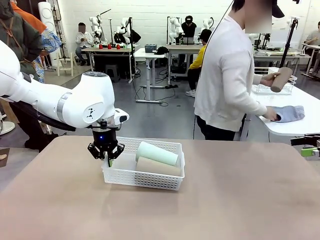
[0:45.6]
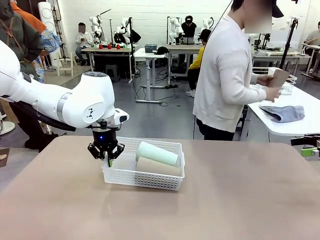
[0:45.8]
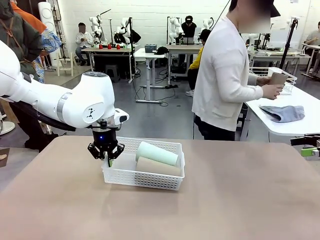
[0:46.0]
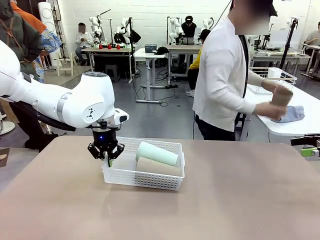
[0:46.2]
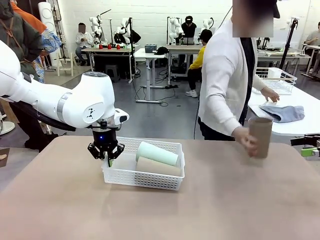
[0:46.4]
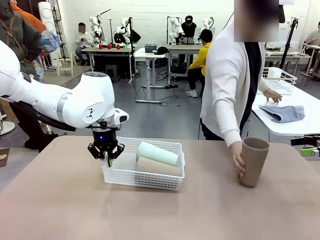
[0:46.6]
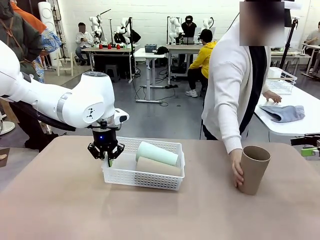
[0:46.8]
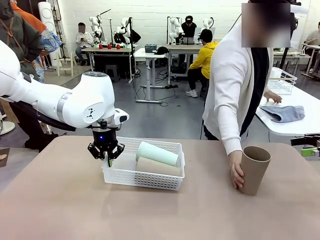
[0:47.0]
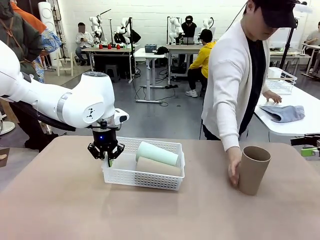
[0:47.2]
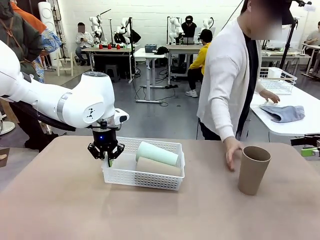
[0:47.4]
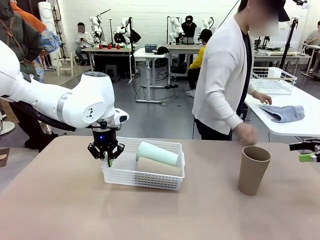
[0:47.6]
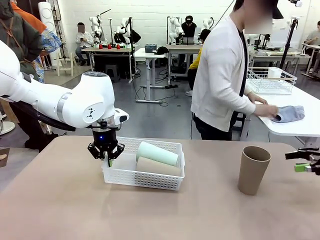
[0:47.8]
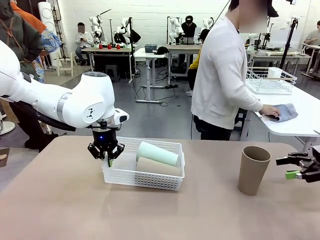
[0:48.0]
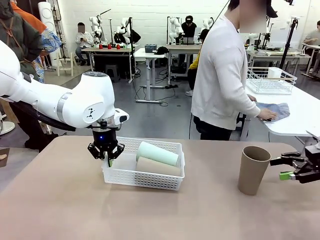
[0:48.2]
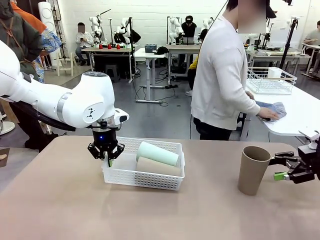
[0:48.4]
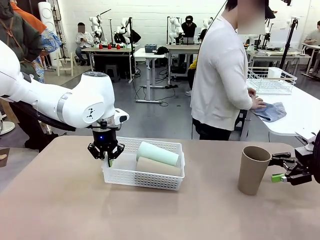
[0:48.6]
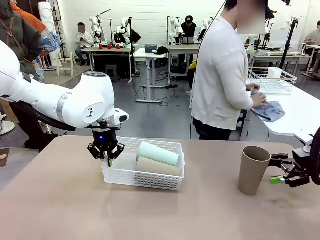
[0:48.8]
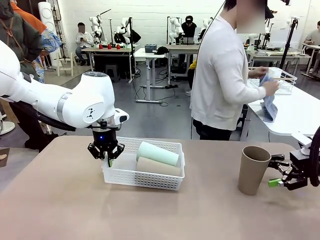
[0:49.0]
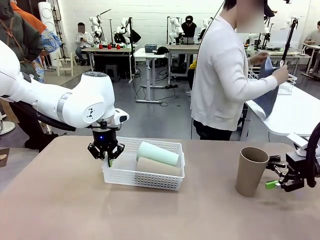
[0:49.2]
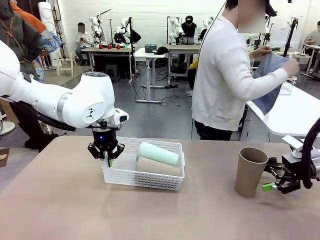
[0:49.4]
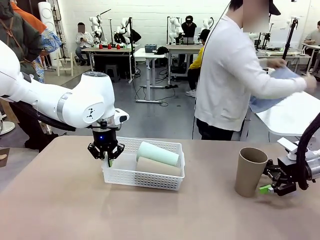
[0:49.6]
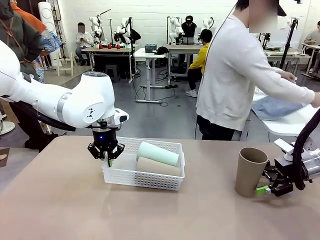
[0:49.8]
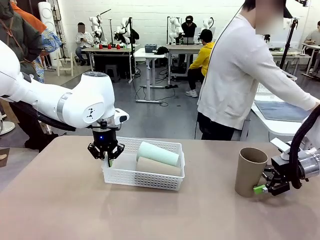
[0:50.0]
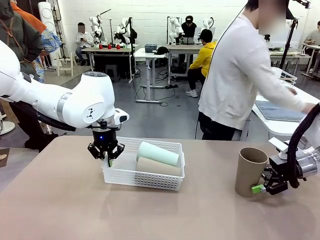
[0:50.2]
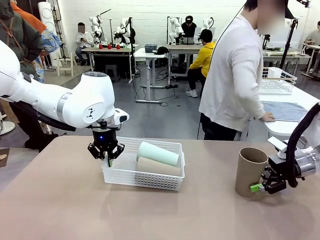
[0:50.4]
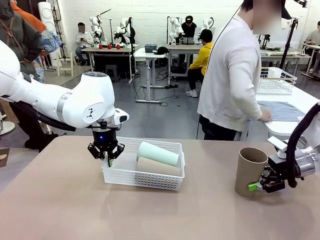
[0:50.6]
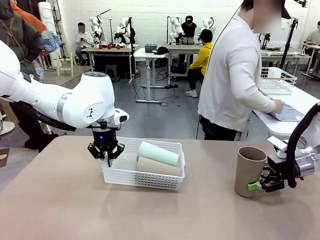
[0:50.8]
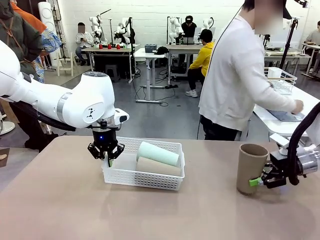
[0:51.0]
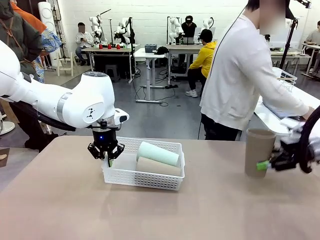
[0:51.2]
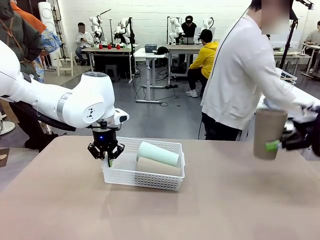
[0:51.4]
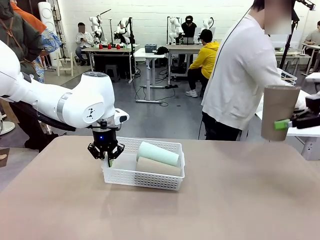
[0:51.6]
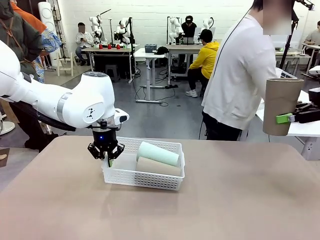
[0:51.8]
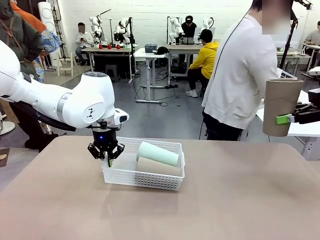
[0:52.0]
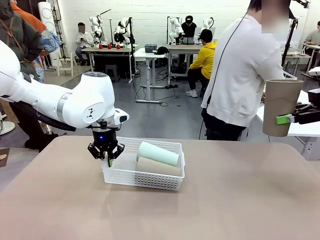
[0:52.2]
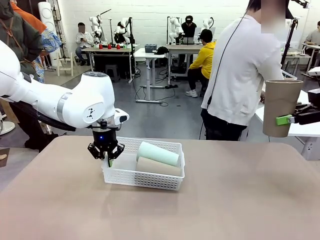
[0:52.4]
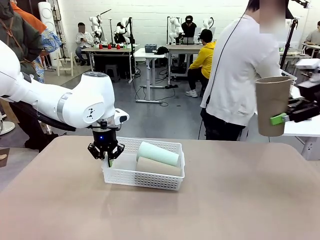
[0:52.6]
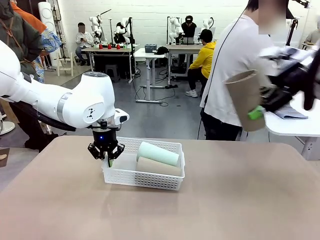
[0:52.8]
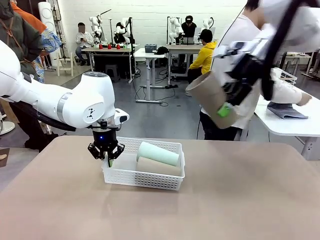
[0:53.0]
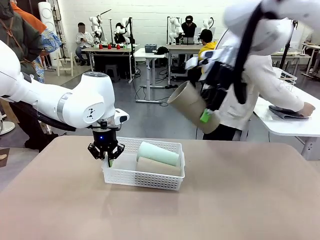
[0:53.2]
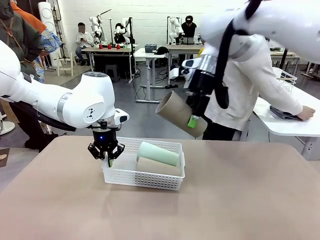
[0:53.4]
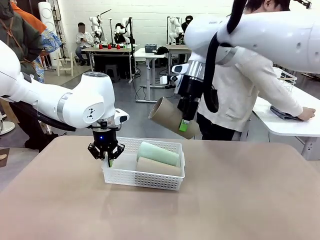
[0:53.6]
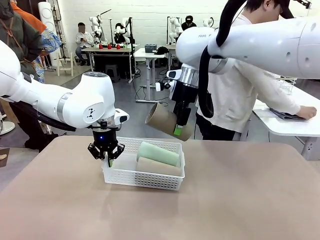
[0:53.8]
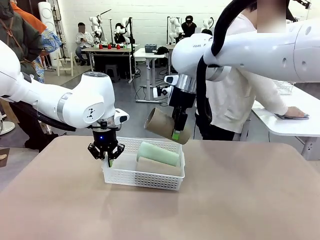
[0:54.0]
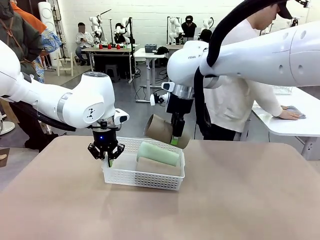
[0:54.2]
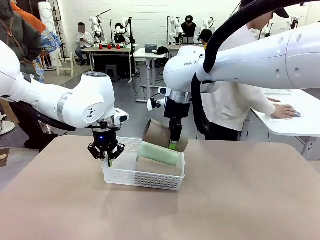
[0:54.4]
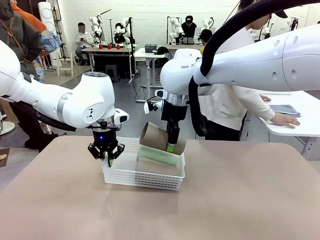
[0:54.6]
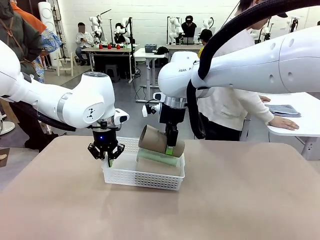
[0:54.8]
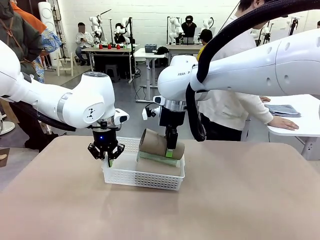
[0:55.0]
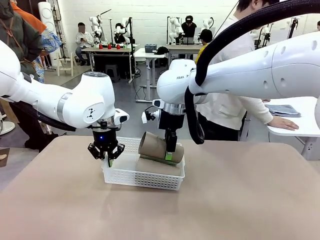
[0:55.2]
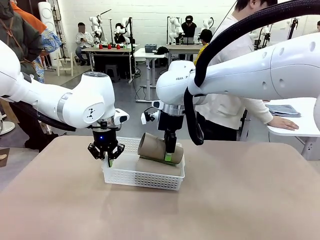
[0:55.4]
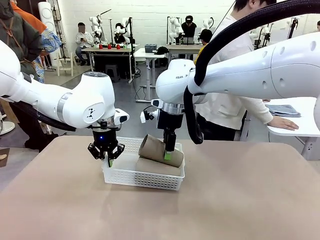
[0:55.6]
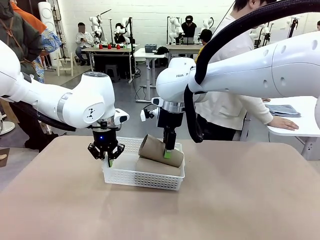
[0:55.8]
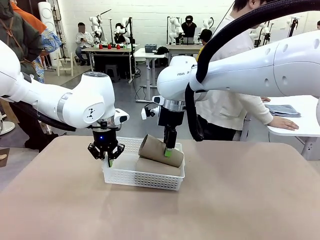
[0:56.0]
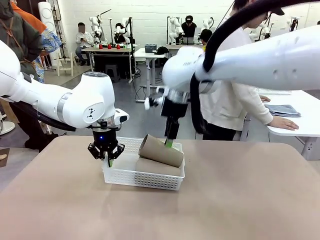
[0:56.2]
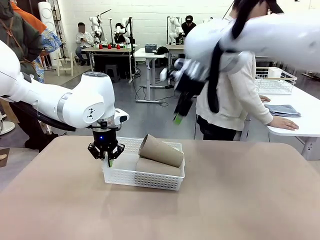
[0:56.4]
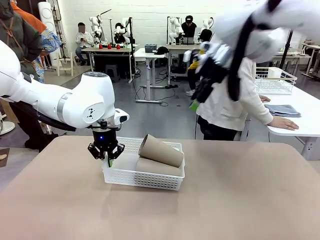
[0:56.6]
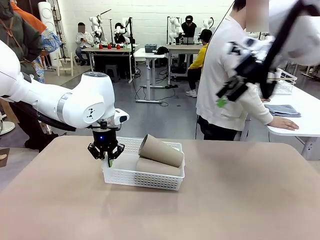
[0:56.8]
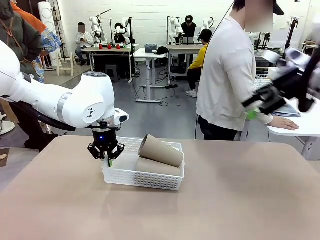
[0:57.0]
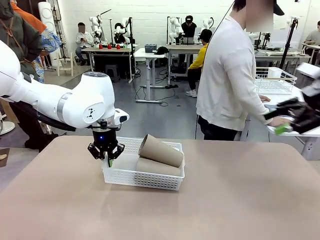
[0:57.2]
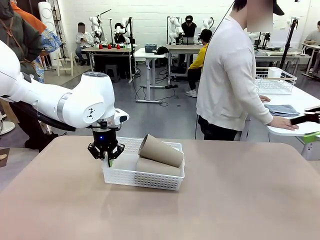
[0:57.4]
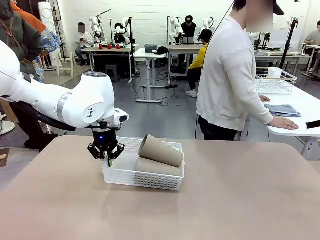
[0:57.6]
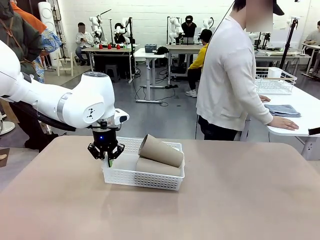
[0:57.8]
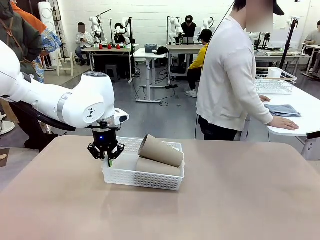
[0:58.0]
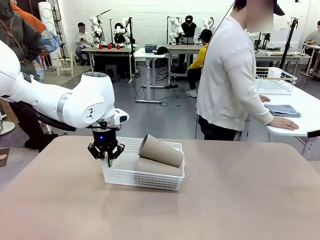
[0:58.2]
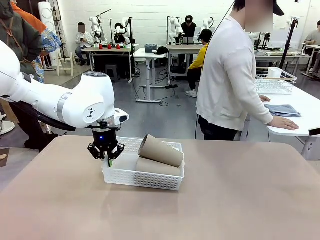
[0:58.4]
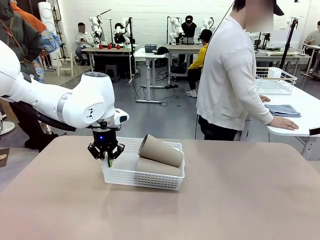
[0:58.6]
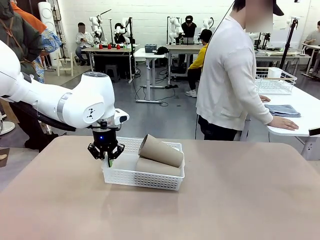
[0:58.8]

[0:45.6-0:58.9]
Task: Clean and organize the cups into the basket.
Robot: Pick up the Reusable plastic cup from the right side of the table and stack it inside the Organizing basket in the center of the table.
Person: Folds the towel in half twice and places it in the right of the table.

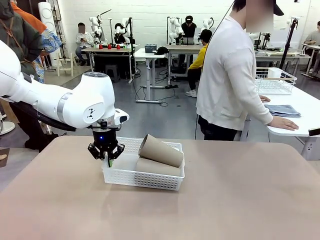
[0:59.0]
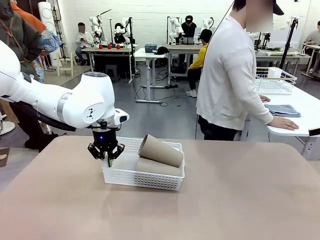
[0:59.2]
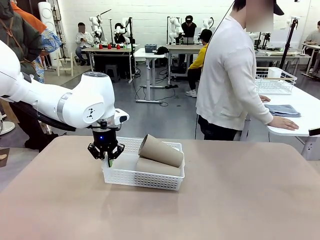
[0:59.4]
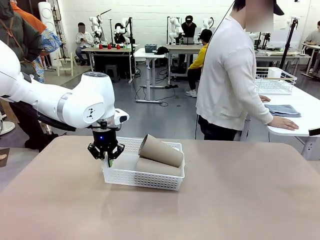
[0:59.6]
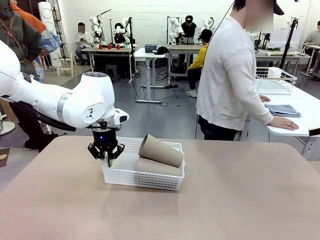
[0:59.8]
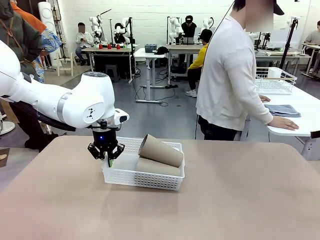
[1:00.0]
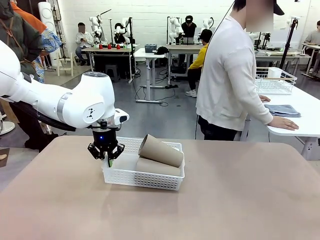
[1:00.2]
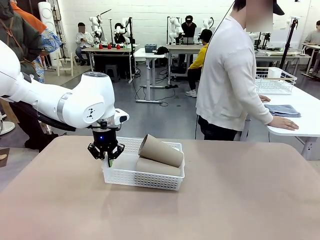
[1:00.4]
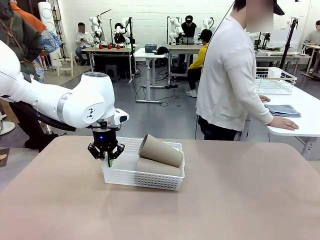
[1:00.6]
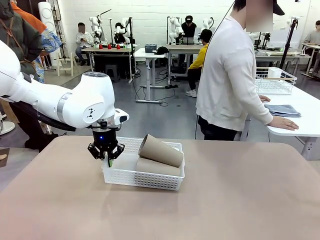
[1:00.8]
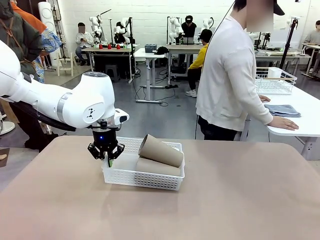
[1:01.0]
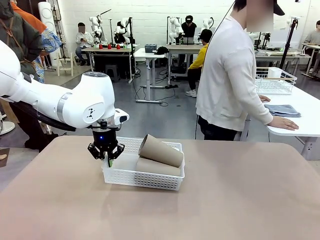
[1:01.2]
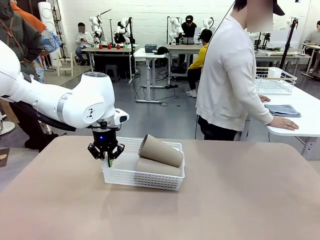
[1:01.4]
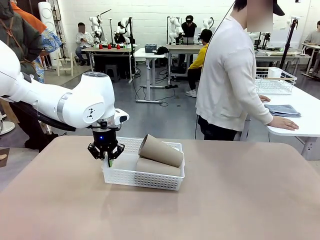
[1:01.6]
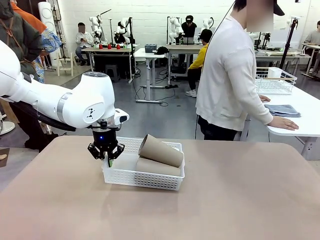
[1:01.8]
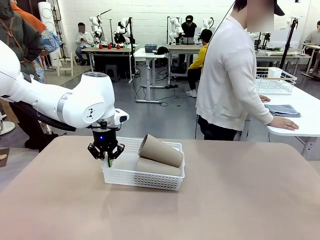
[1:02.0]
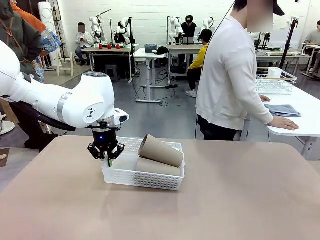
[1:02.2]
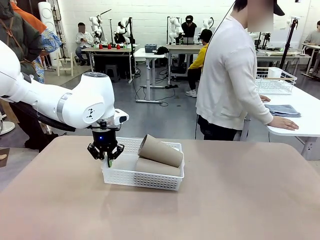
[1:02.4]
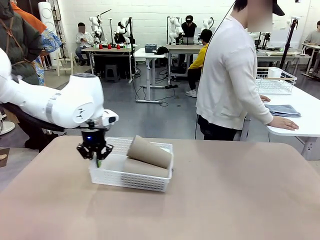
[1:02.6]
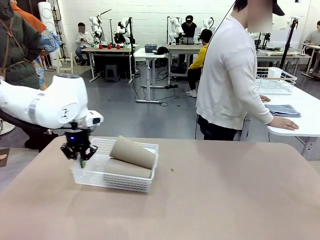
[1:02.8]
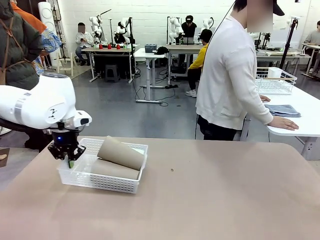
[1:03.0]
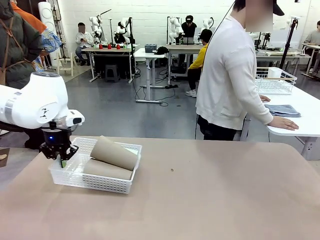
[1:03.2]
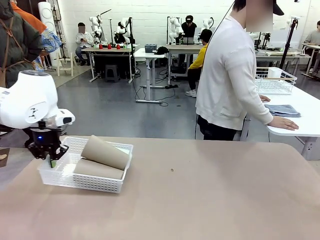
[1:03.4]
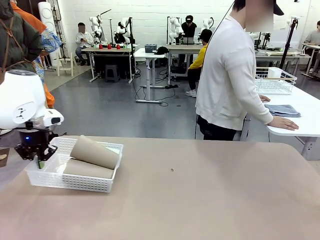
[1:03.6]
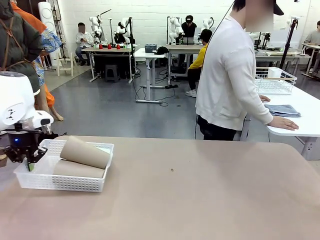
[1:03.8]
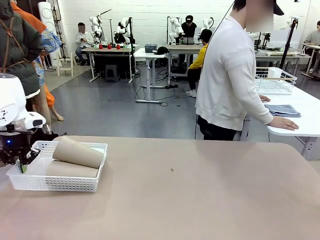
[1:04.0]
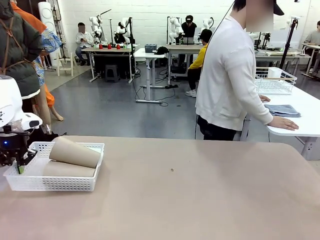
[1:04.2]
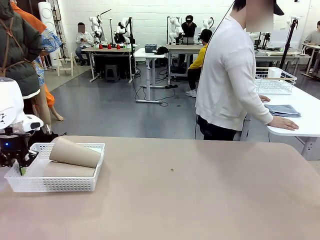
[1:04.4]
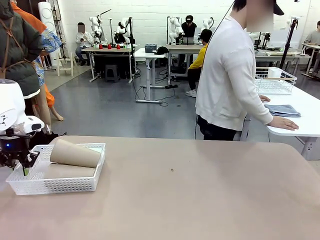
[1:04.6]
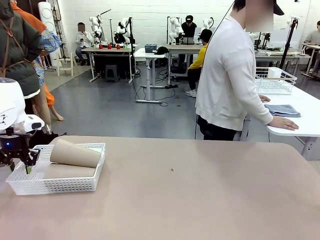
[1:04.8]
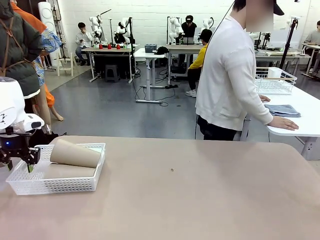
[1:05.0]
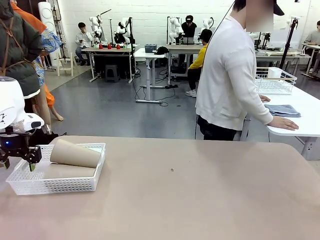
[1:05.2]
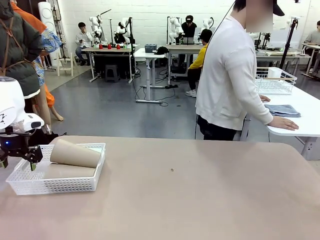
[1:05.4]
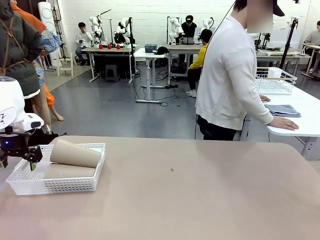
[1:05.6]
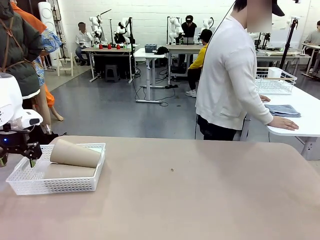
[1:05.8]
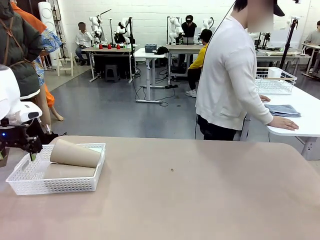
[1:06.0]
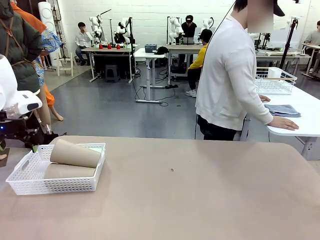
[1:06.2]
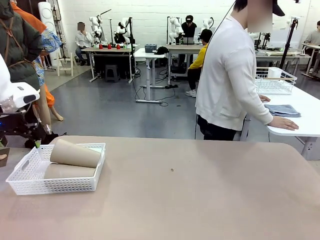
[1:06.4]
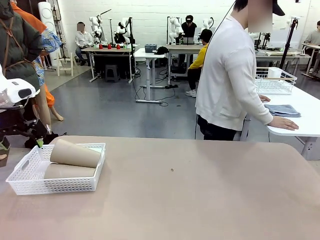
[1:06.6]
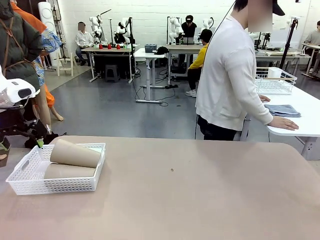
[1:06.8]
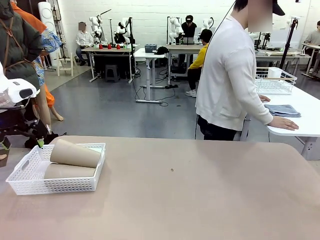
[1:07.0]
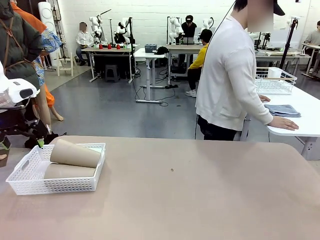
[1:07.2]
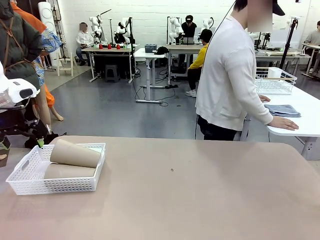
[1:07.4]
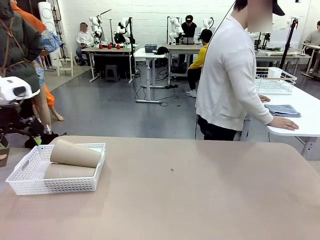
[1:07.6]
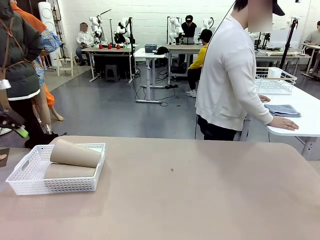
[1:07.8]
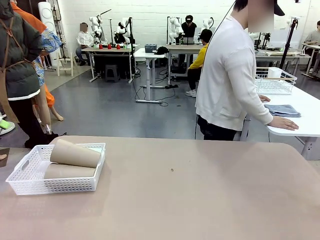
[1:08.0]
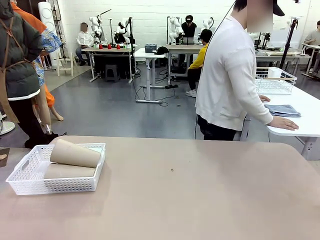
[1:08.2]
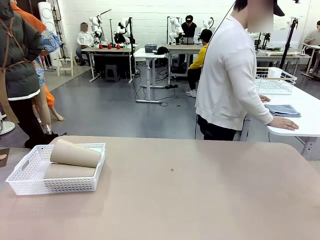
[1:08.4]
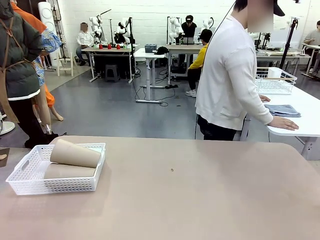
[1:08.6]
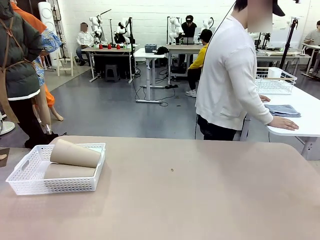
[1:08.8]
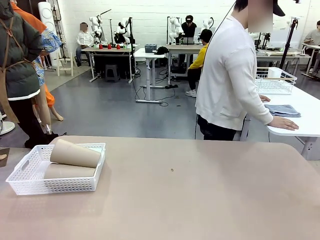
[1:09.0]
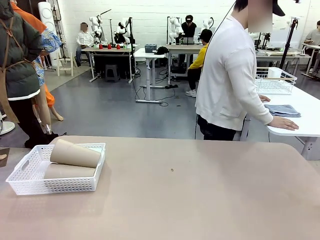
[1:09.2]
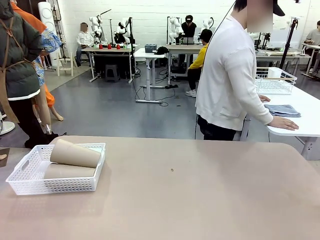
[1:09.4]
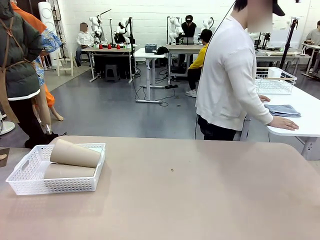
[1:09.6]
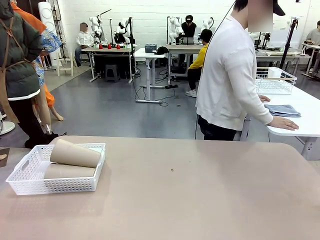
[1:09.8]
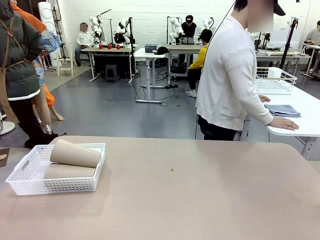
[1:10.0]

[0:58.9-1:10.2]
Robot: Move the Organizing basket back to the left side of the table.
